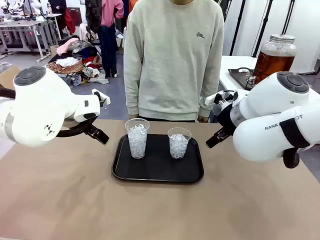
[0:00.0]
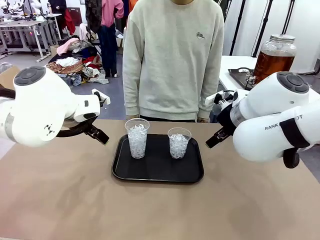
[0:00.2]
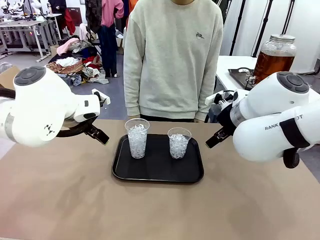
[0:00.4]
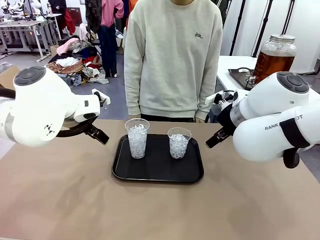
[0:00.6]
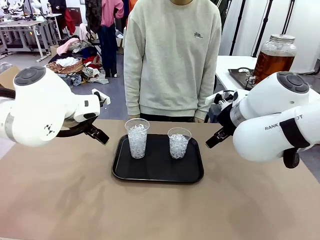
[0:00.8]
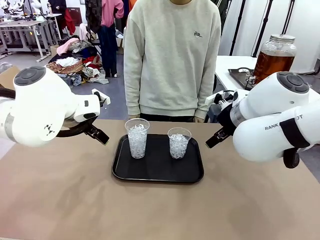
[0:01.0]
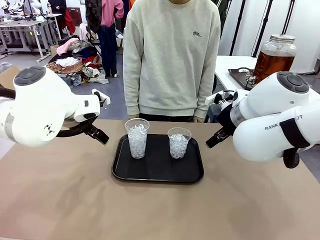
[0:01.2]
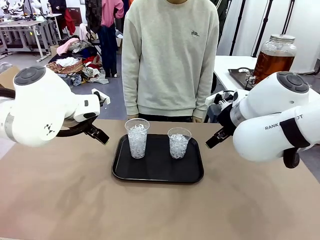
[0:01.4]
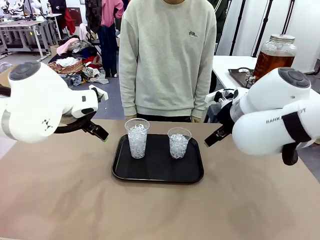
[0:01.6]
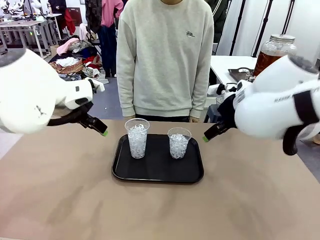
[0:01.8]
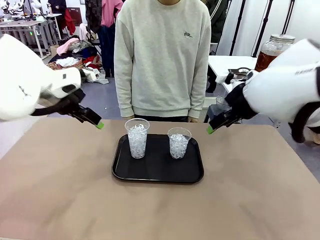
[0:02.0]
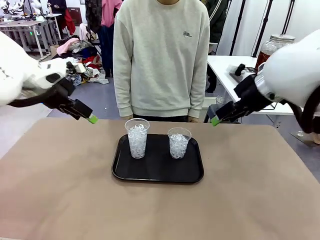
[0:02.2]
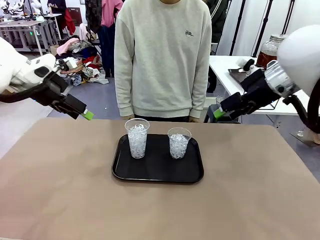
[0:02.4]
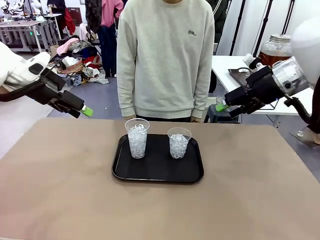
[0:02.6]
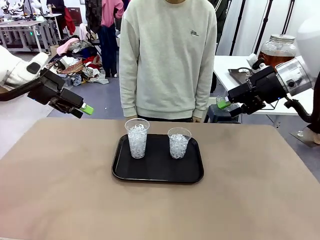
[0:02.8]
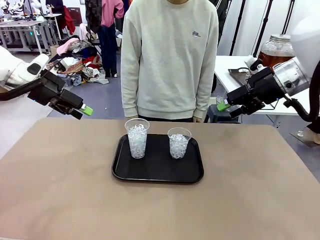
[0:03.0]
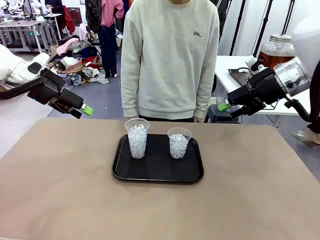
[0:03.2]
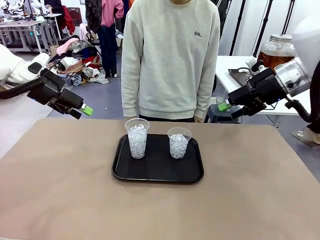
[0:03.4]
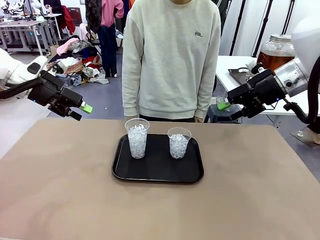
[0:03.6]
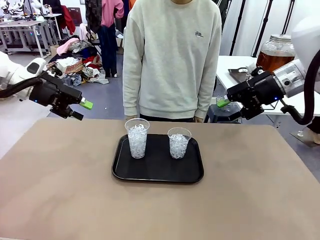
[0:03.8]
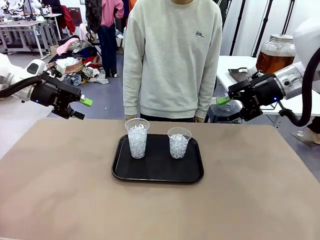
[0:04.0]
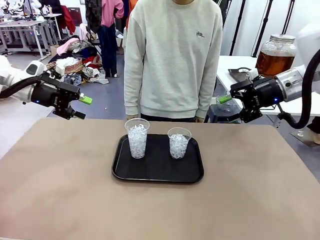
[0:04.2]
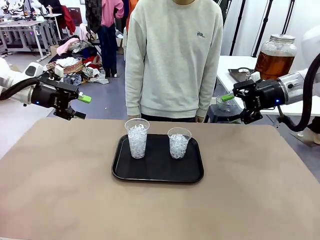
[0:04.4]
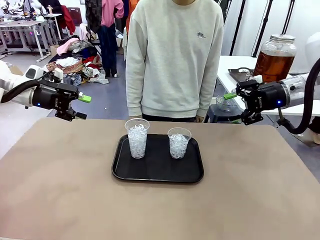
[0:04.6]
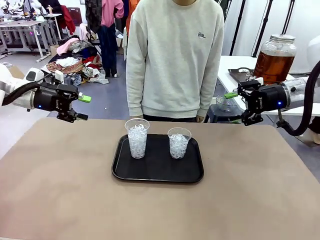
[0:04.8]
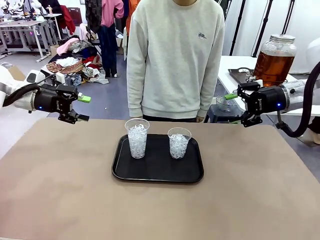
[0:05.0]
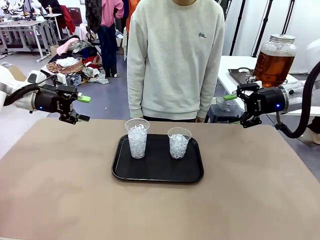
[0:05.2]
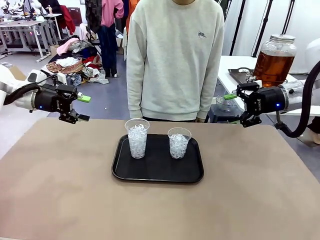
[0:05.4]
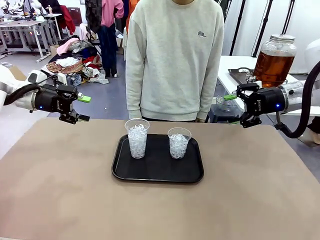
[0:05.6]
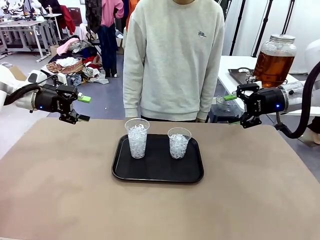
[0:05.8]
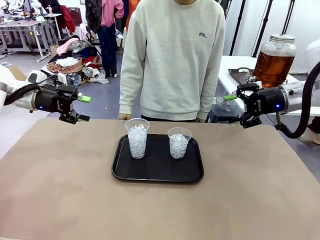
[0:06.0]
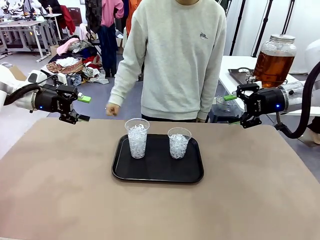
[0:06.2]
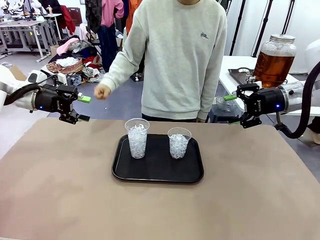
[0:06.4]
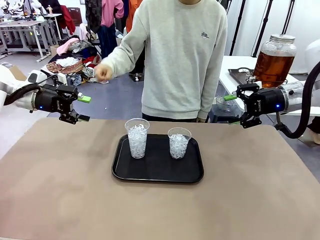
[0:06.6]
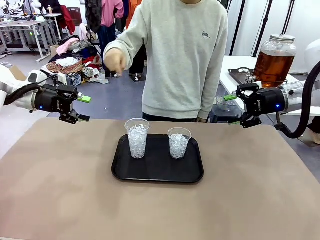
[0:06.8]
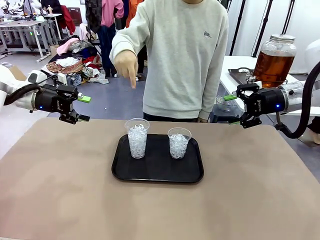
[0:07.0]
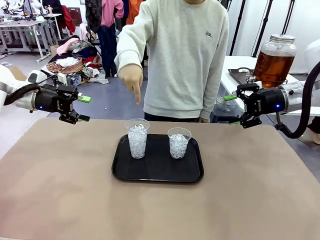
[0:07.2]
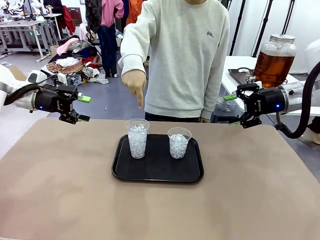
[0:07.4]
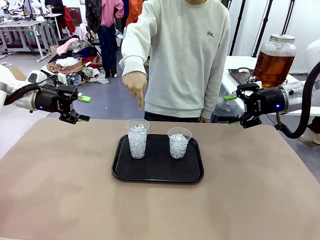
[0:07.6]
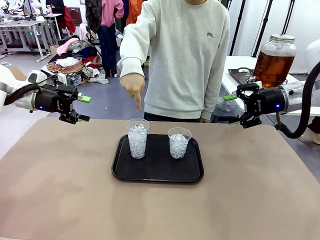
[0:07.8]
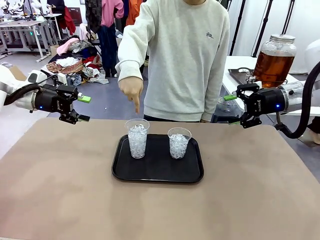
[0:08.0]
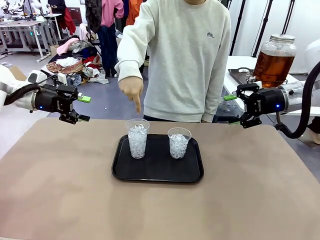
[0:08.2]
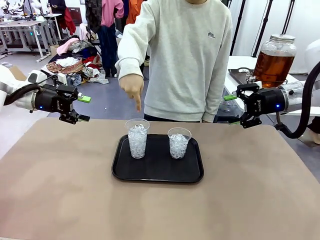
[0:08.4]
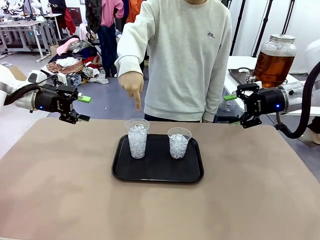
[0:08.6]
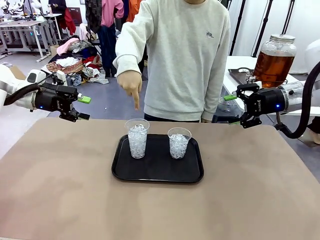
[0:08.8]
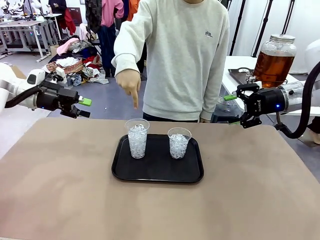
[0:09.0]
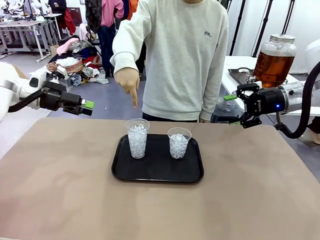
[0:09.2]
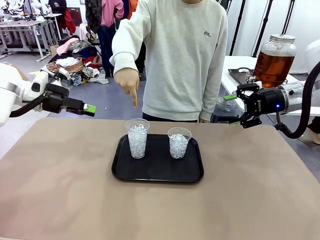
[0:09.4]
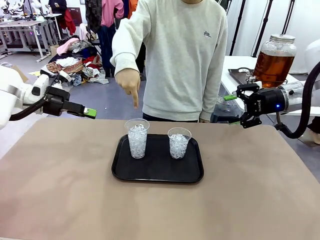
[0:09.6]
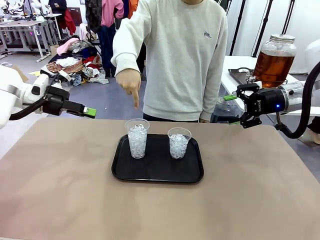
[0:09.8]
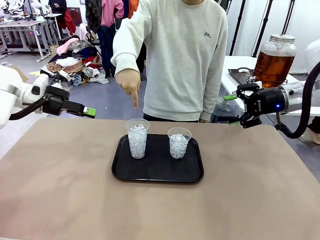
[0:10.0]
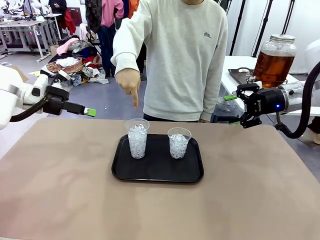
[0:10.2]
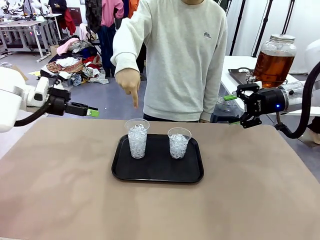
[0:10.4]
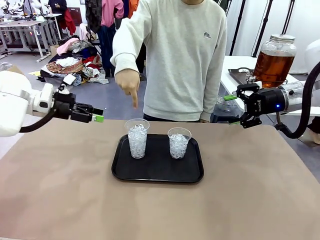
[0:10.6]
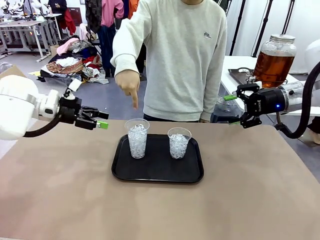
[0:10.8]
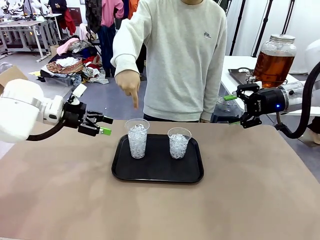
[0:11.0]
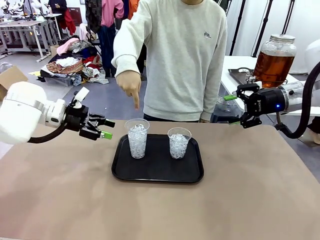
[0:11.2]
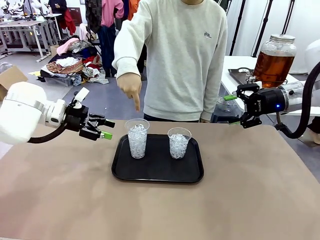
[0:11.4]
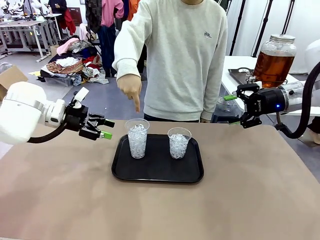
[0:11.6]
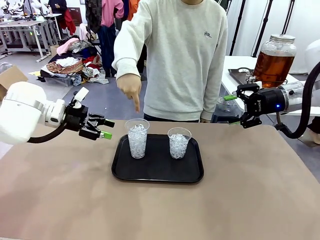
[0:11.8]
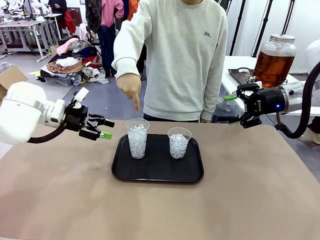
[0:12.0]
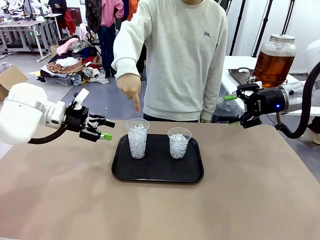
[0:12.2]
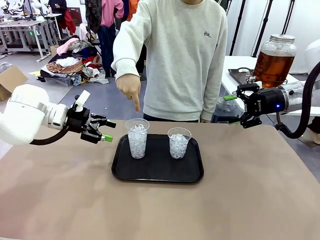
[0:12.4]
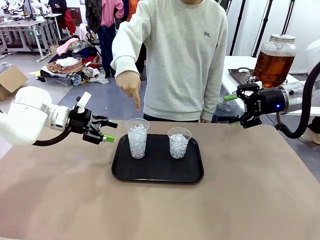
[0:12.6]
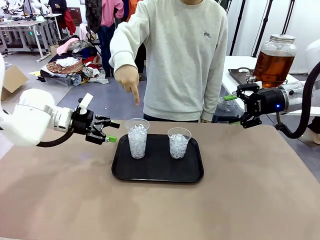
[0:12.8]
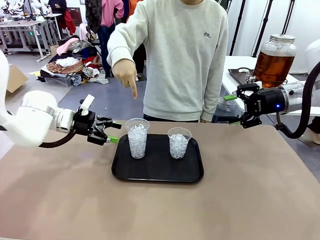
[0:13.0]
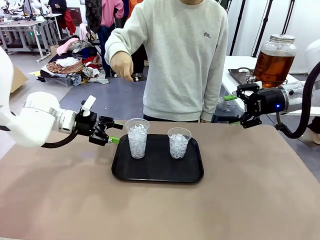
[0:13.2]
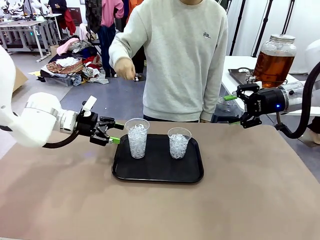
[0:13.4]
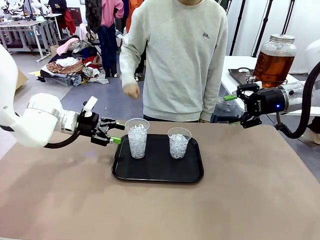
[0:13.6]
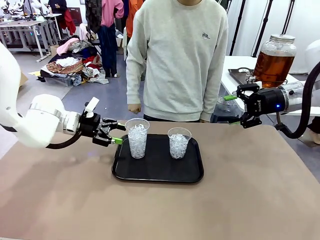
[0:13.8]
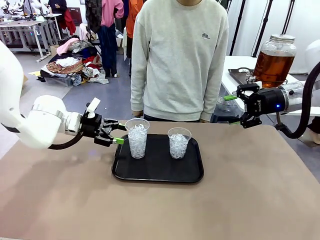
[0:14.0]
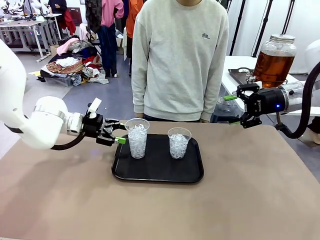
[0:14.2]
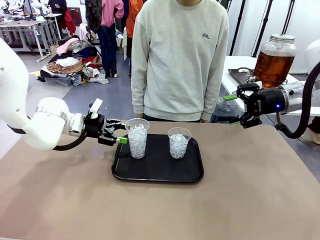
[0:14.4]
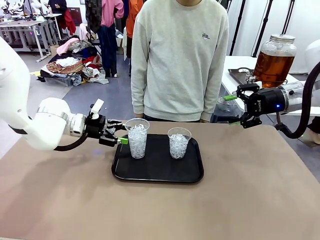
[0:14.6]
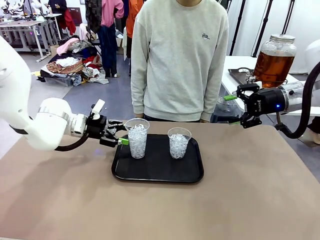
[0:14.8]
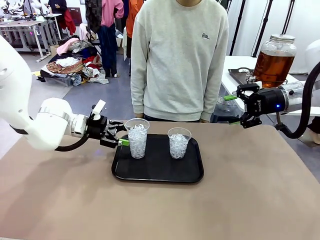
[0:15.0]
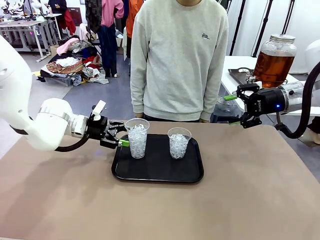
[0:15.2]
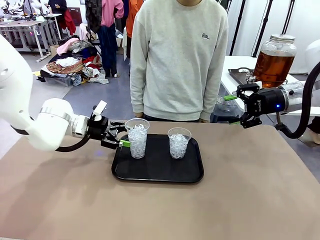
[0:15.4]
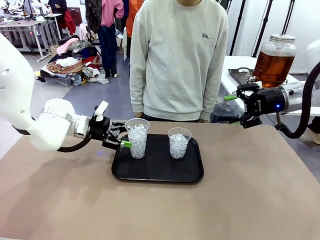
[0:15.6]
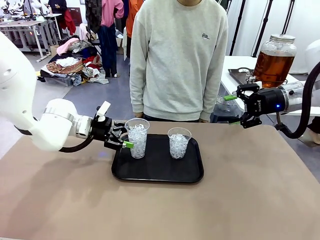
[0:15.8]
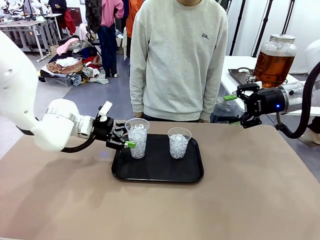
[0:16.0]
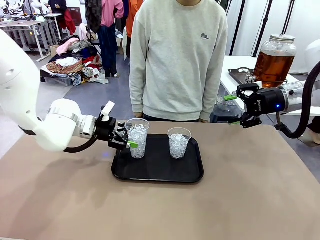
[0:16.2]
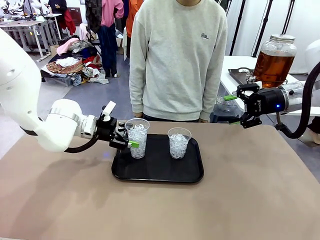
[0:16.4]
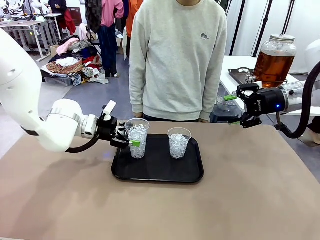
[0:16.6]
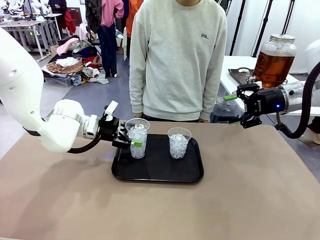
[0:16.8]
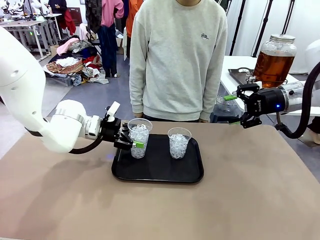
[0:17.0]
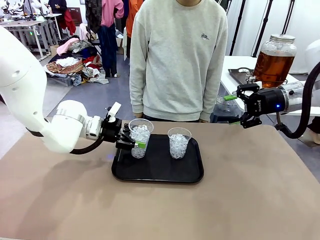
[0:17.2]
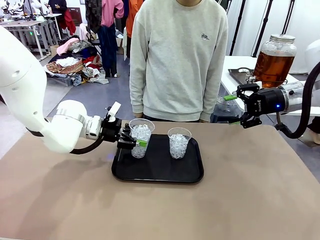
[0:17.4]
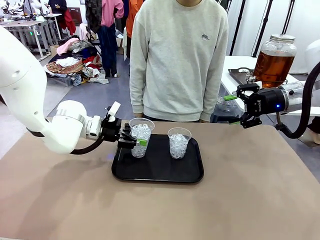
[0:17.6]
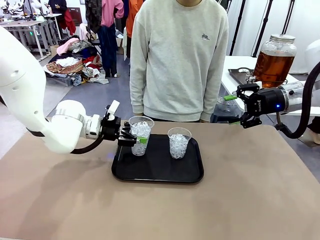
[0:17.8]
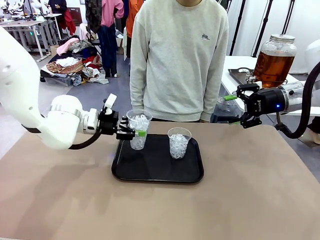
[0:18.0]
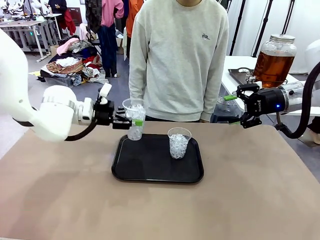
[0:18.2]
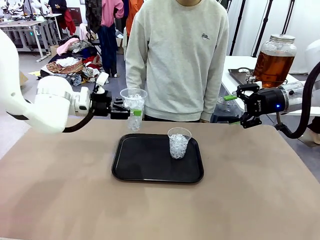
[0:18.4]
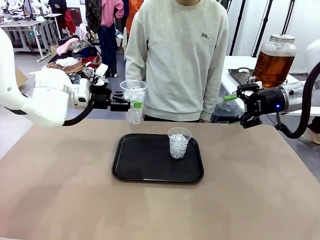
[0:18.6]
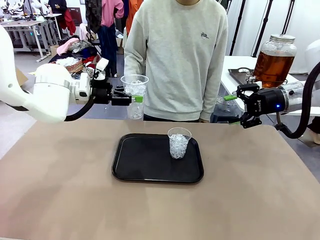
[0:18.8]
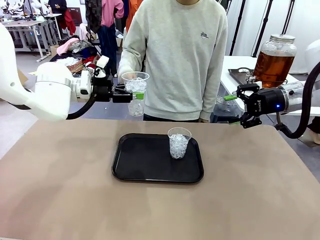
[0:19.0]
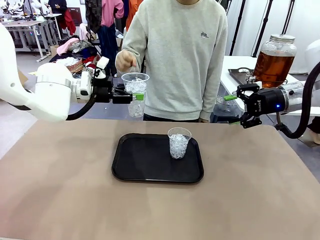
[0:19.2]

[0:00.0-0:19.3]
Task: Pour the drink into the iced cup.
Robot: Pick up the iced cup indicated by the human and present it to them.
Person: Point to one of the two ice cups. Pick up the cup offered by the robot.

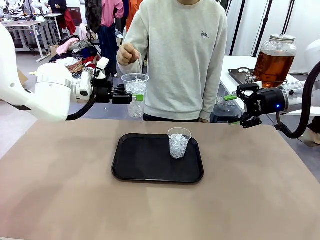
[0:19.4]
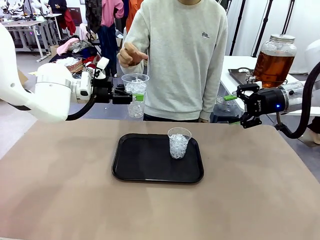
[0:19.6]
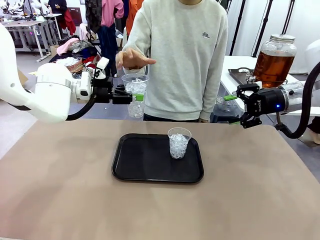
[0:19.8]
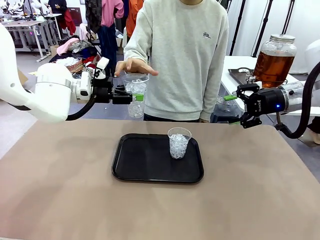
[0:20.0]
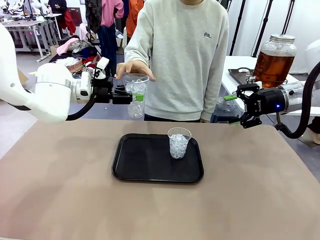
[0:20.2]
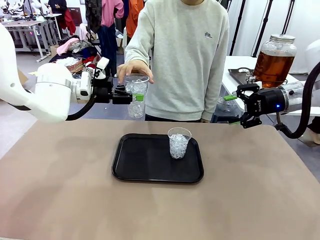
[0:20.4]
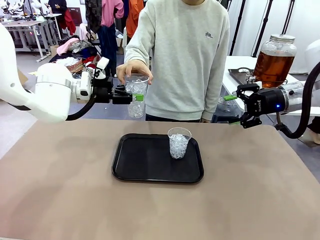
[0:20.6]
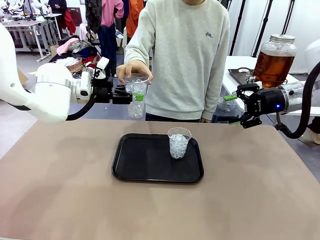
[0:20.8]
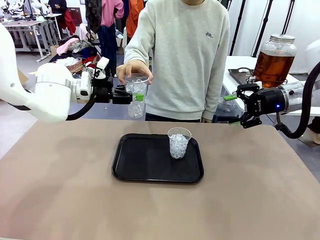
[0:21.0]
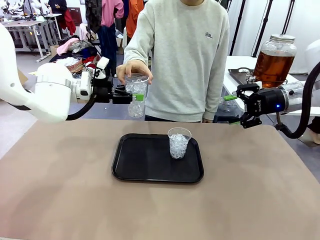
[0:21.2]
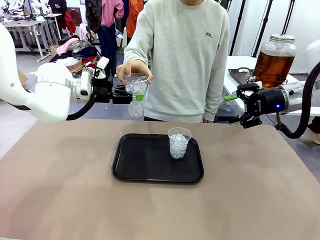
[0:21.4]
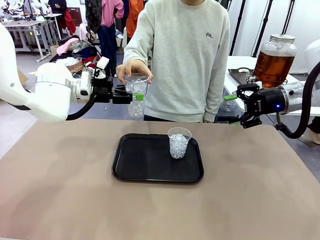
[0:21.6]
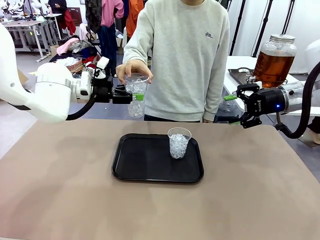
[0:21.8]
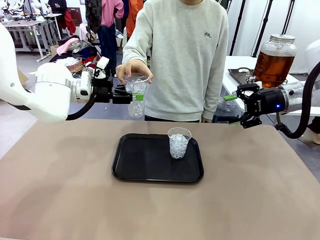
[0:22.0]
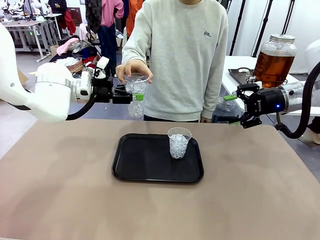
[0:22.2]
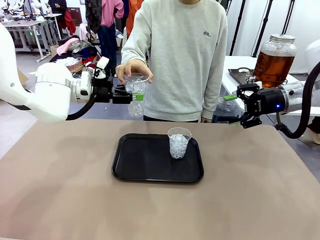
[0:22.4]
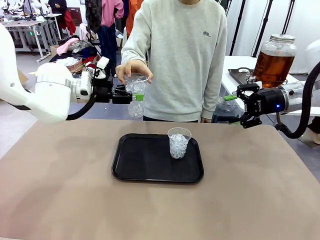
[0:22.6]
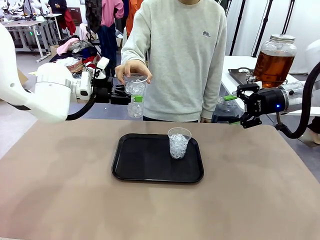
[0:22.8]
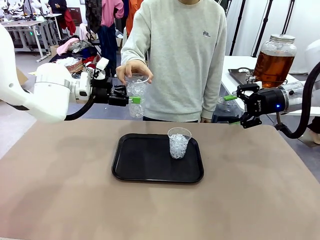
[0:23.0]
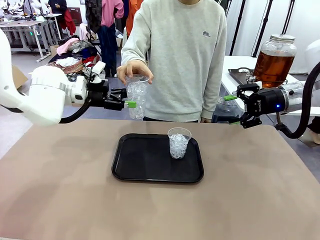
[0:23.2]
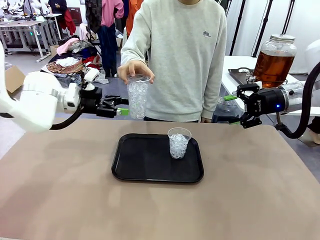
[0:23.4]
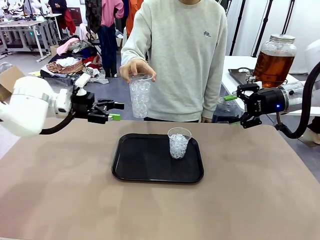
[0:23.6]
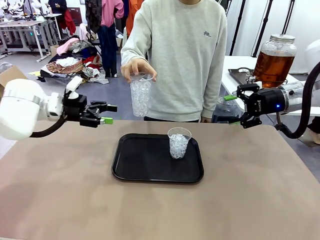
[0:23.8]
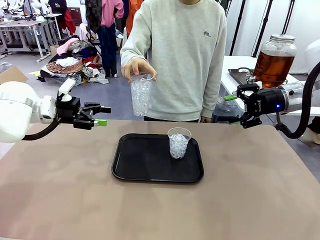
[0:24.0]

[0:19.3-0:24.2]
Robot: Open the gripper to release the iced cup you were holding.
